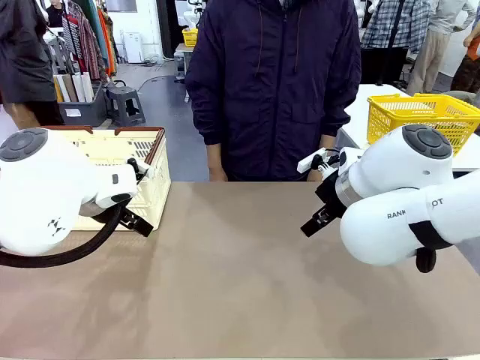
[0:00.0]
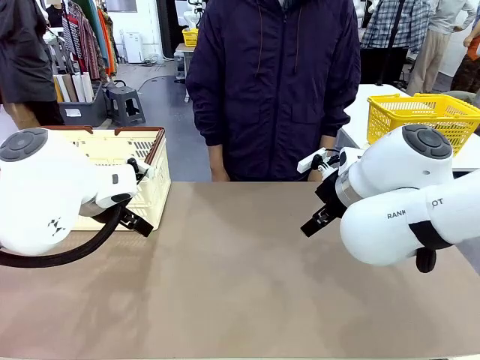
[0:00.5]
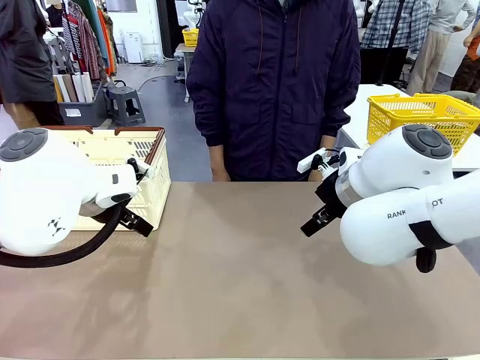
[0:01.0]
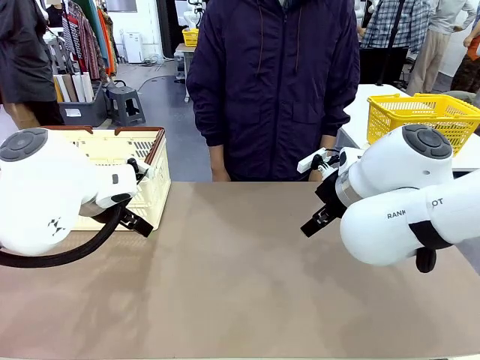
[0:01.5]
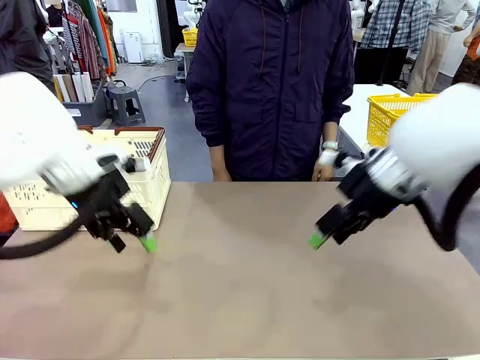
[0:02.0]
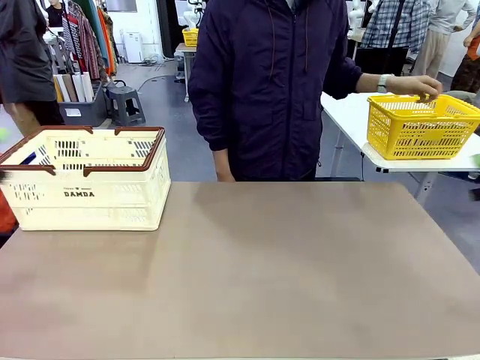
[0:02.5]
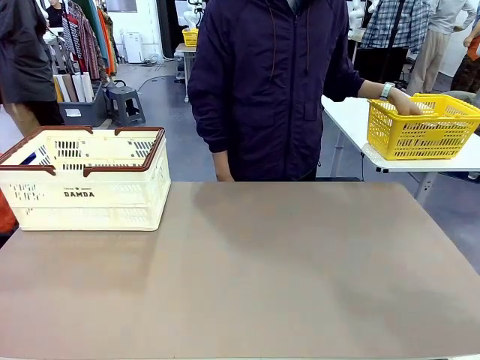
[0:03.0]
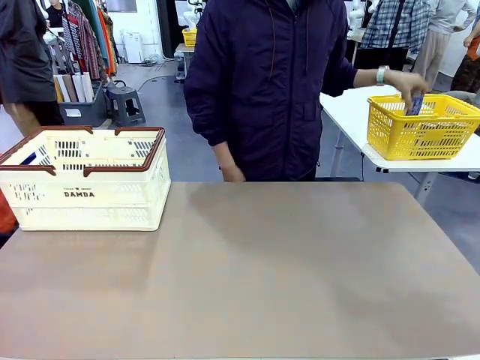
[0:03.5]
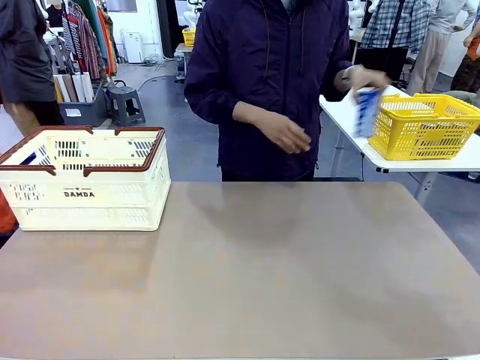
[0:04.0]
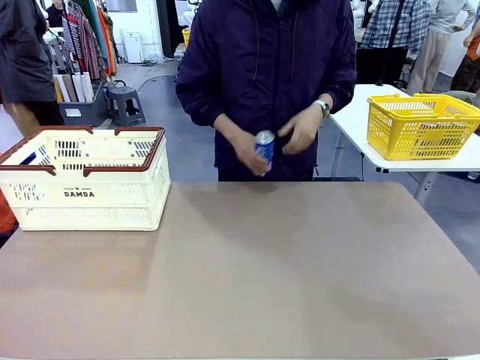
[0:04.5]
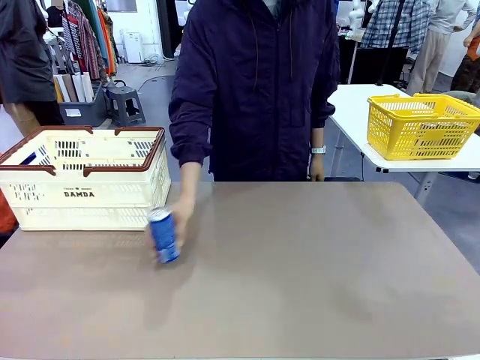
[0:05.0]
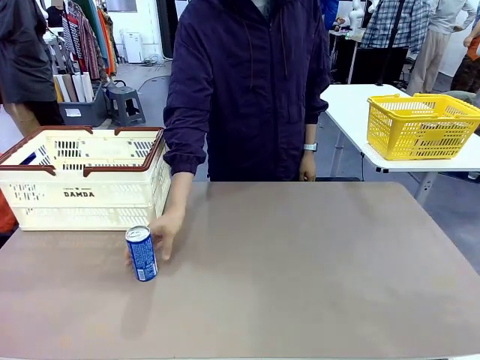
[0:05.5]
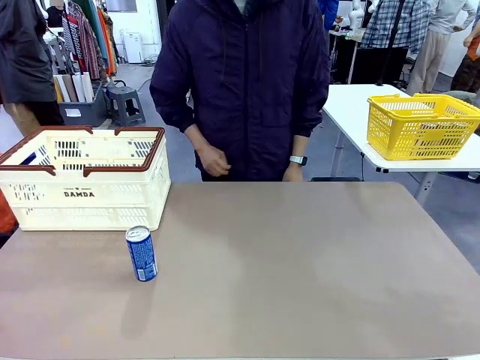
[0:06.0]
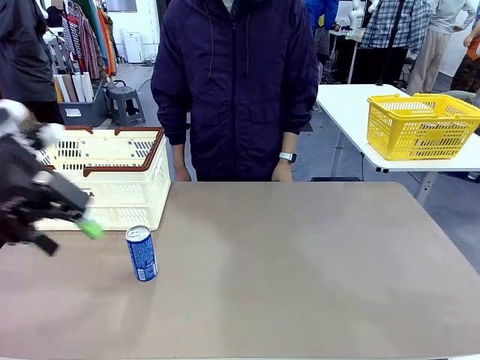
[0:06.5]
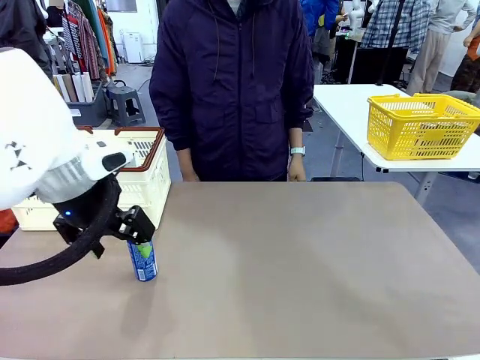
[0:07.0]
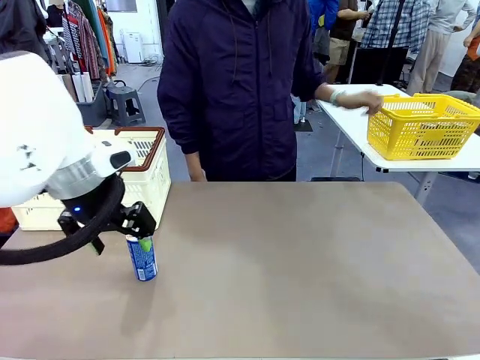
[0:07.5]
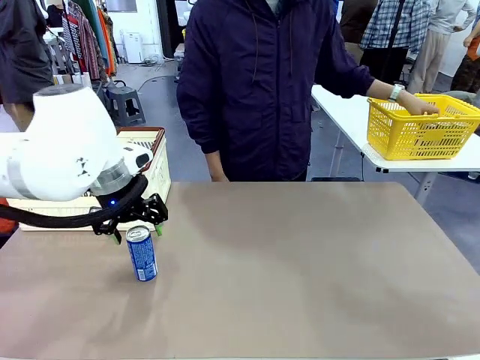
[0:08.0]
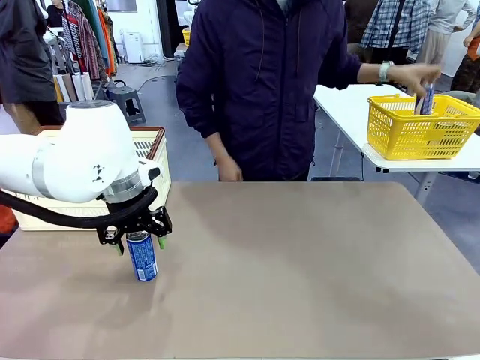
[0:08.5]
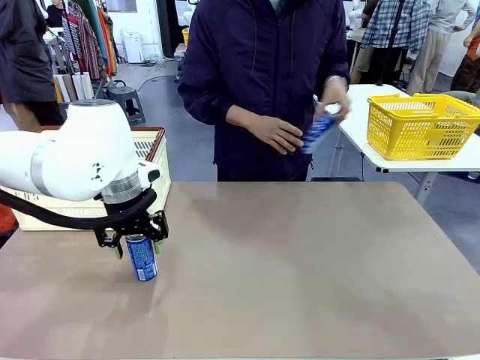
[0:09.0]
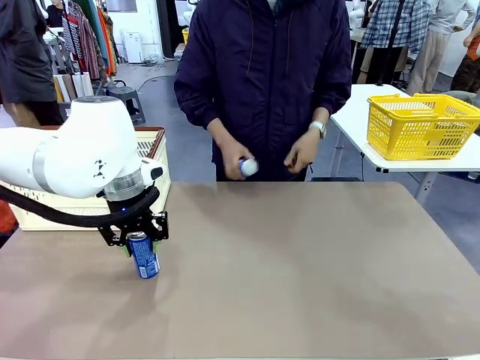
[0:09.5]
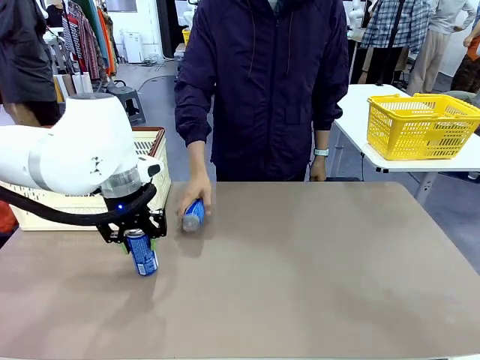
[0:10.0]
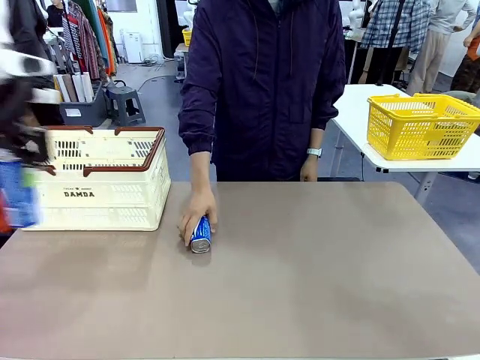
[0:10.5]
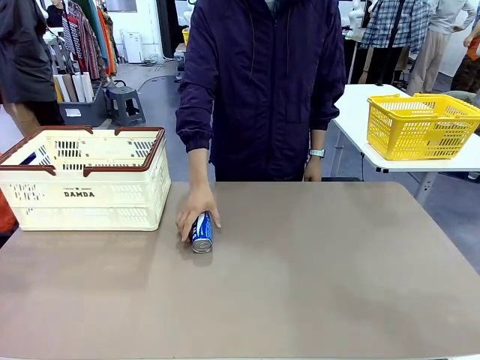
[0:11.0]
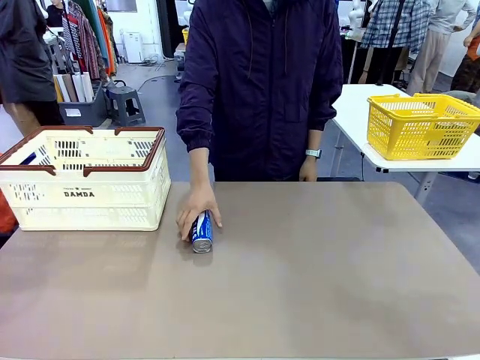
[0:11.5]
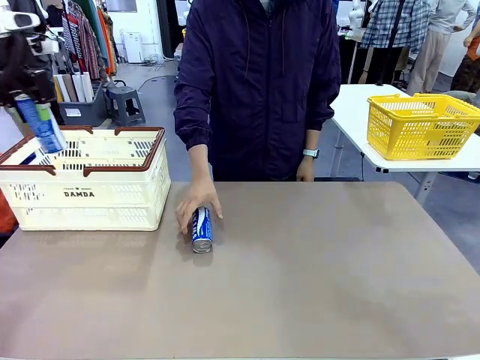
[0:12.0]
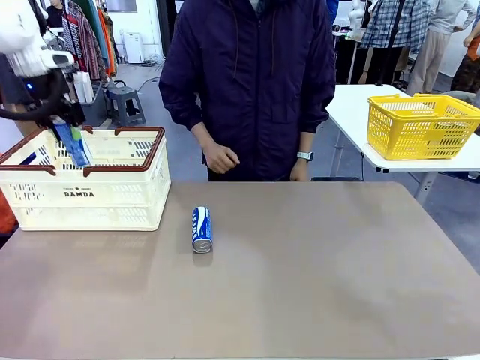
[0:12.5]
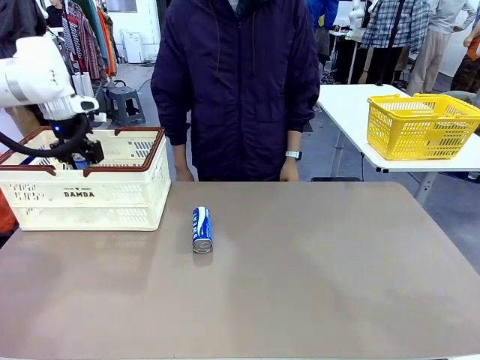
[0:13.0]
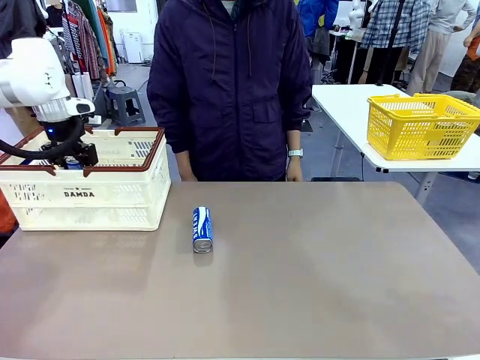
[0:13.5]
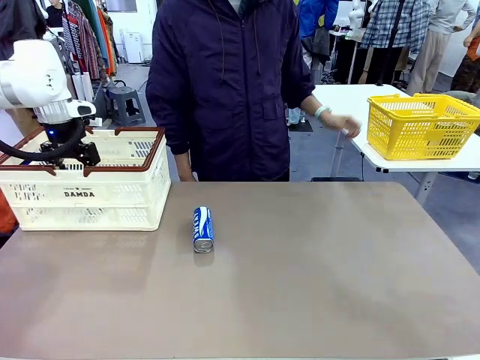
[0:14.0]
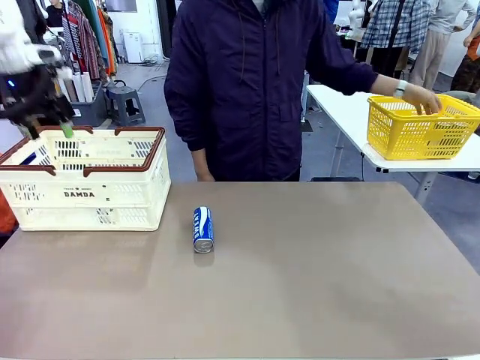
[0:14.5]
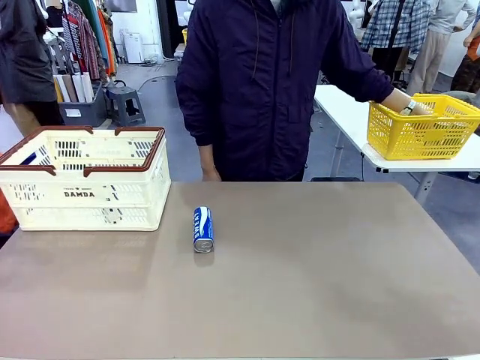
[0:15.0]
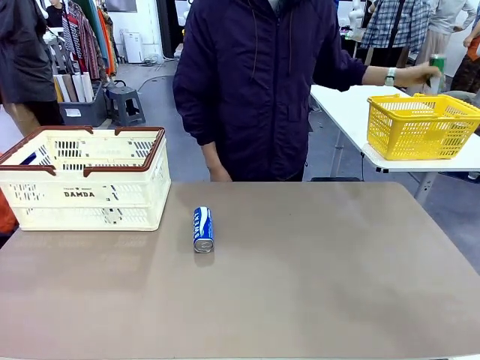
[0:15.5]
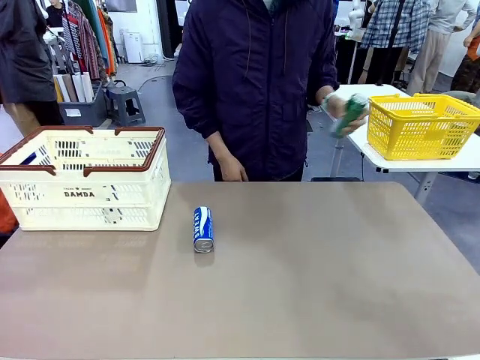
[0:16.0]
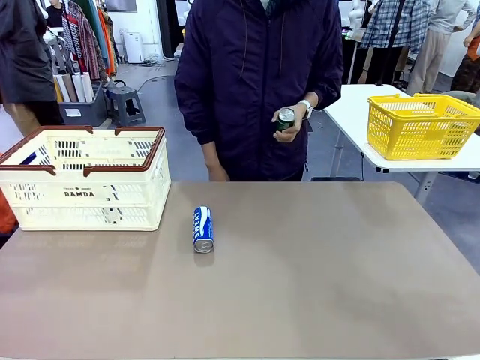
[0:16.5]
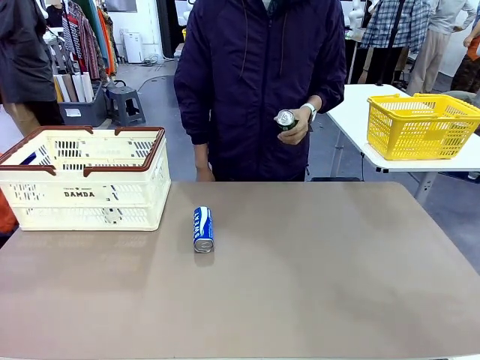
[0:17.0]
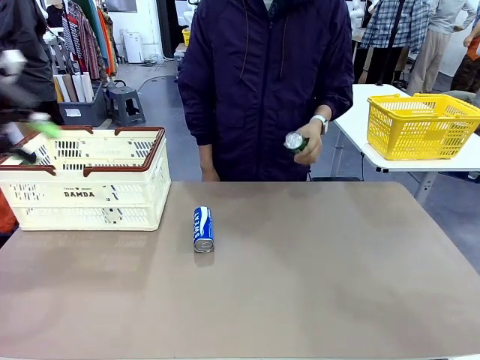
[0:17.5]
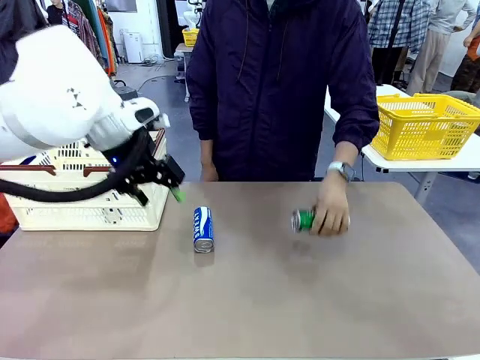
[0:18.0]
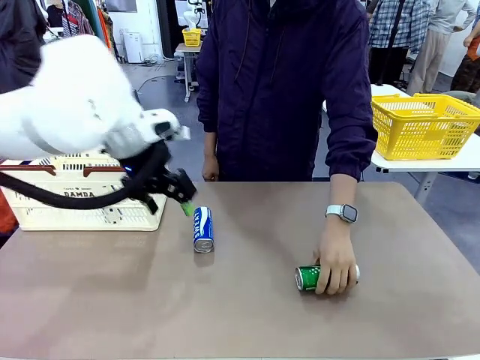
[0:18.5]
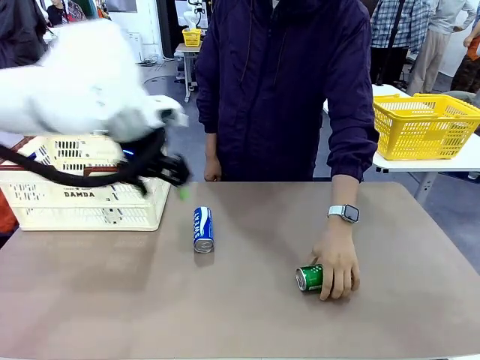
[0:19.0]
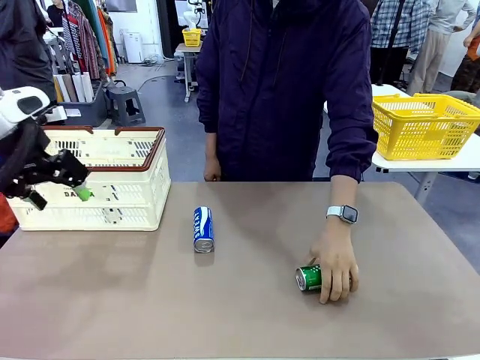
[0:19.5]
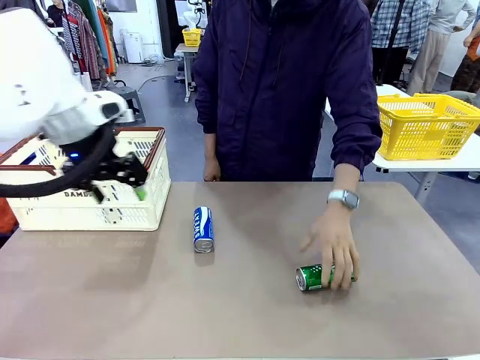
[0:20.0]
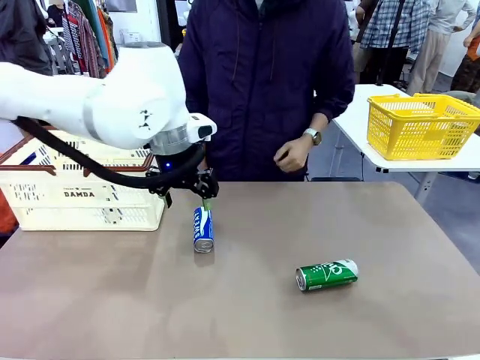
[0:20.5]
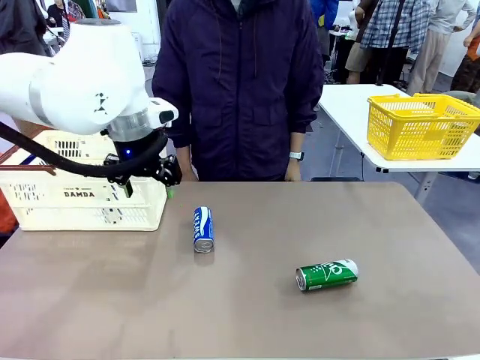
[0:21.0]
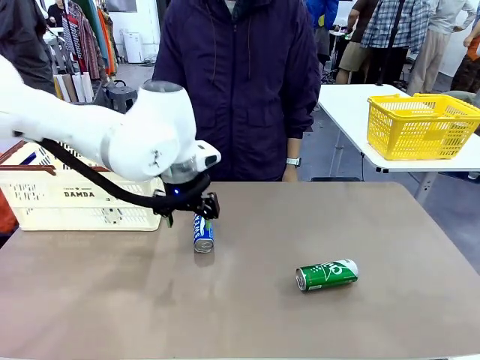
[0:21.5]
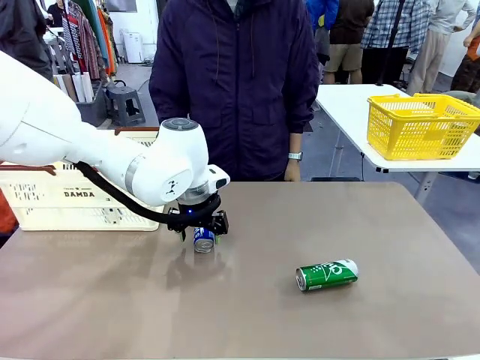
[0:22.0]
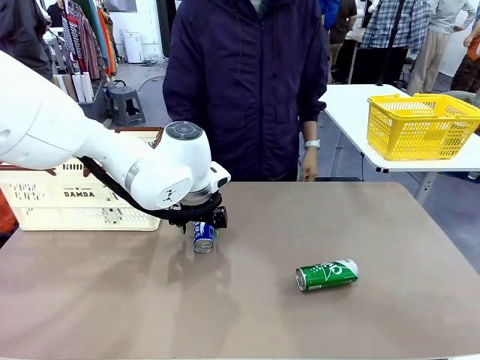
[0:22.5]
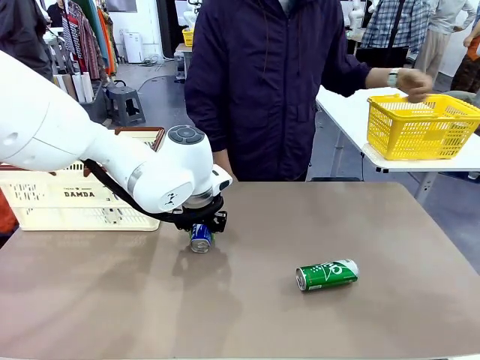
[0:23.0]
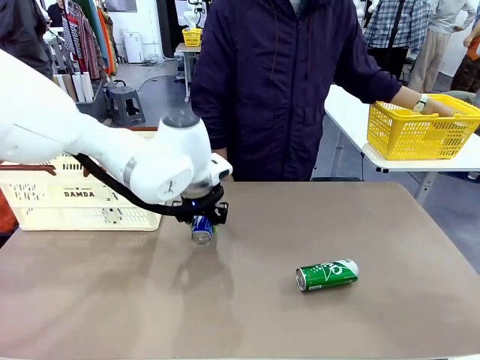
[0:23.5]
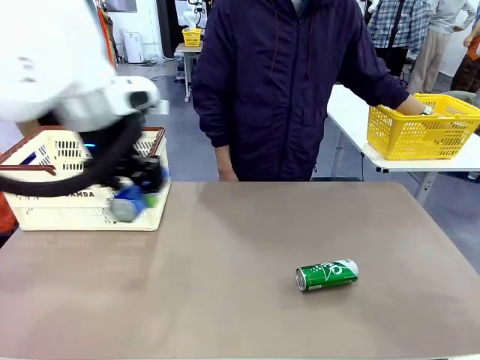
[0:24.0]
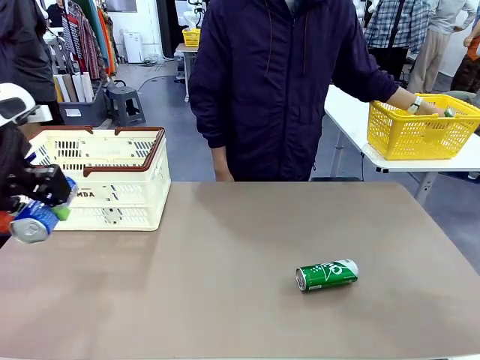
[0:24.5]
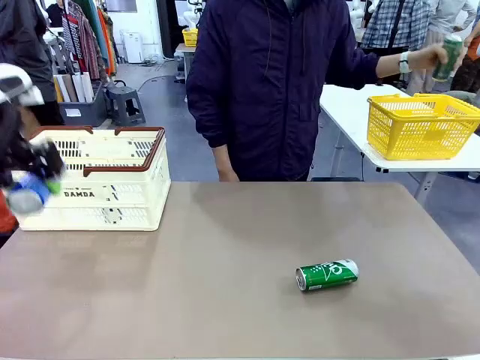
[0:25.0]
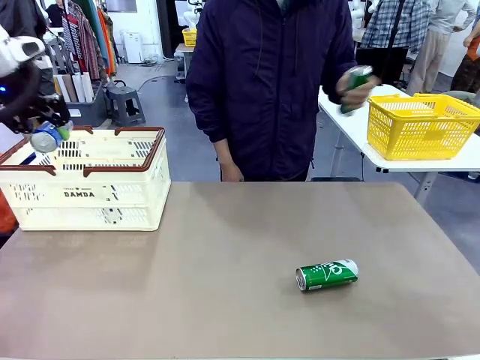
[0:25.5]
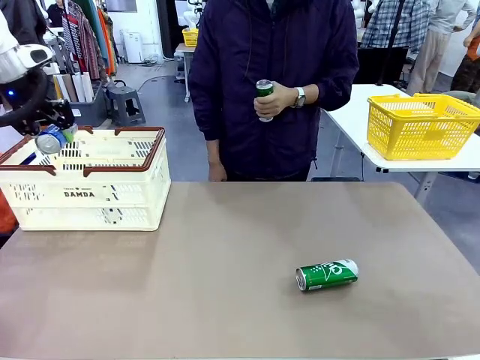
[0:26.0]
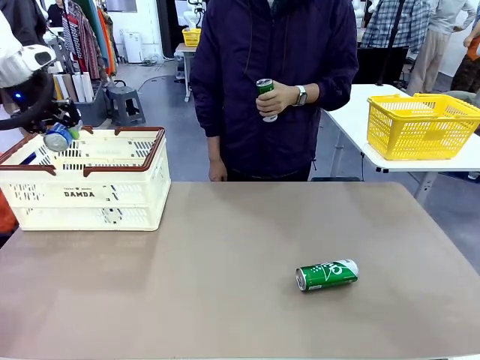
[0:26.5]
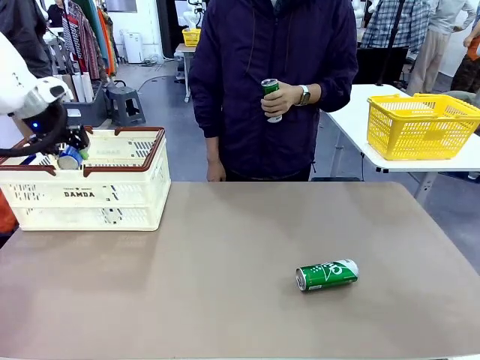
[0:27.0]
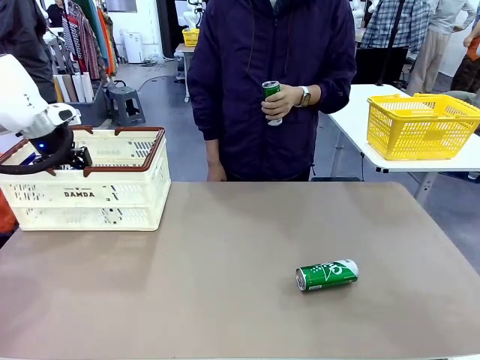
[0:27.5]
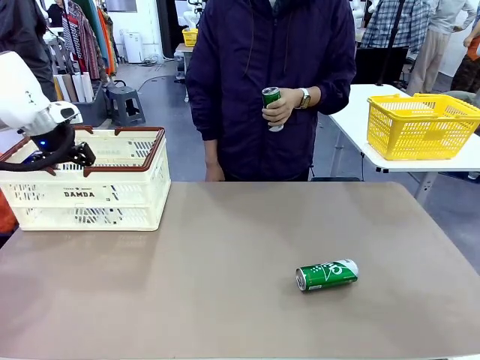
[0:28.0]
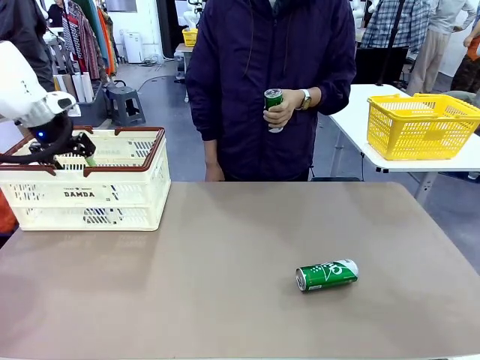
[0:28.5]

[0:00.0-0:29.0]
Task: Place the drinks into the Shopping basket.
Robot: Pick up one drink and place it into the Shopping basket.
